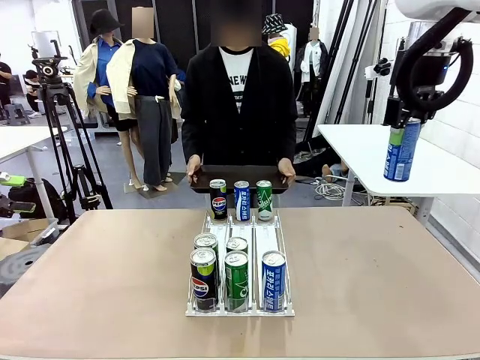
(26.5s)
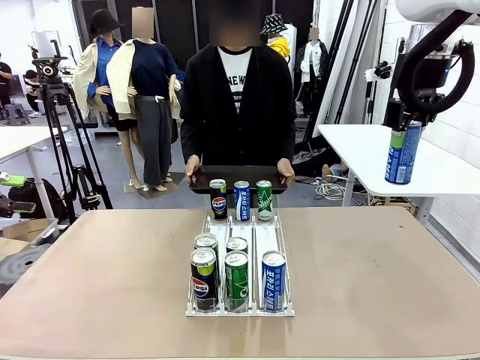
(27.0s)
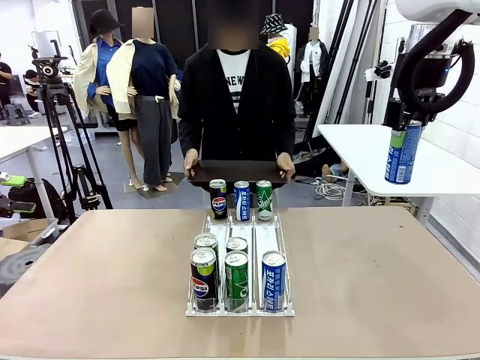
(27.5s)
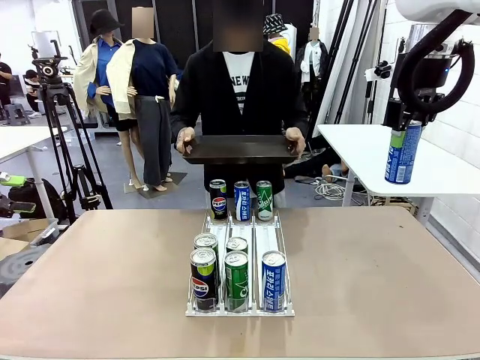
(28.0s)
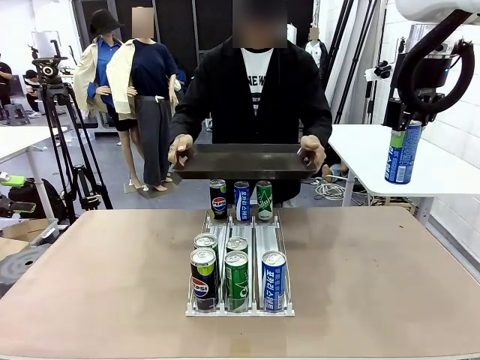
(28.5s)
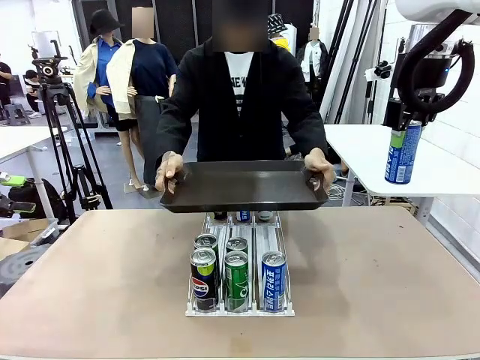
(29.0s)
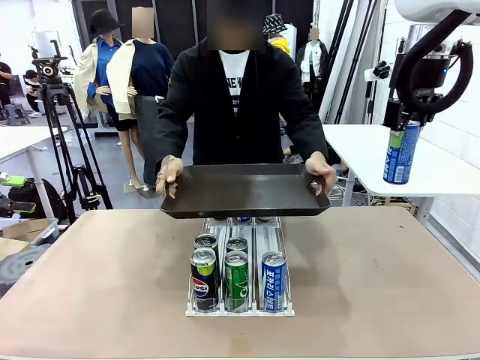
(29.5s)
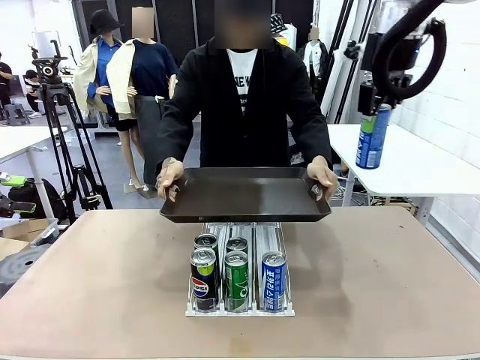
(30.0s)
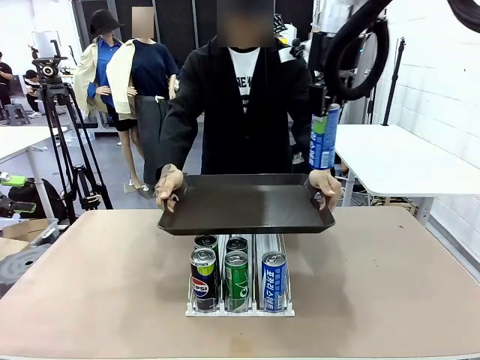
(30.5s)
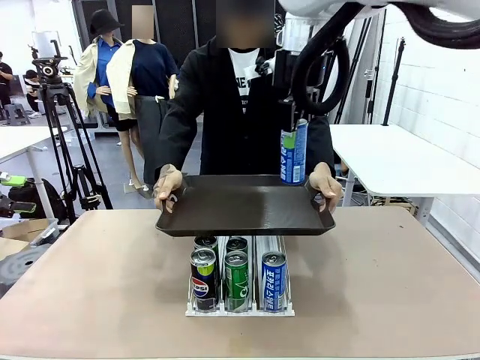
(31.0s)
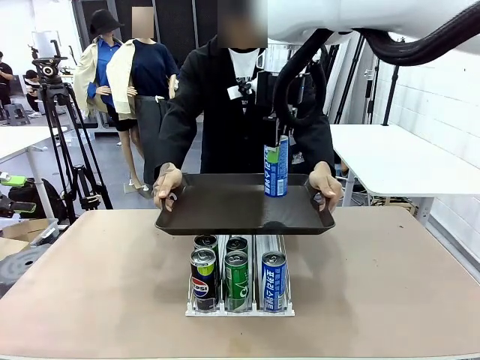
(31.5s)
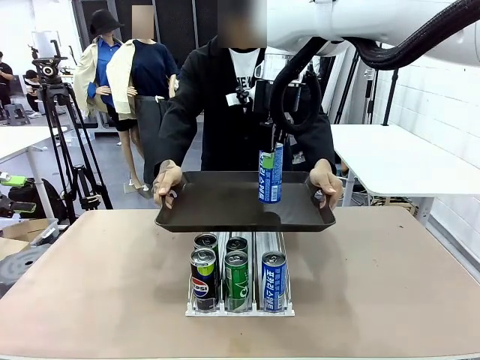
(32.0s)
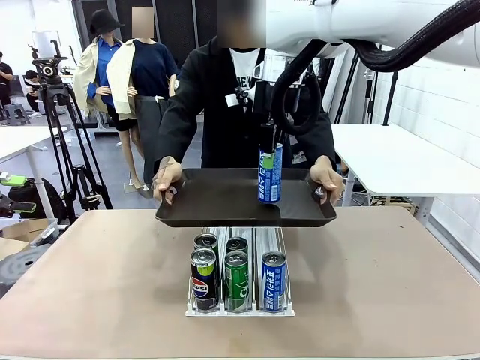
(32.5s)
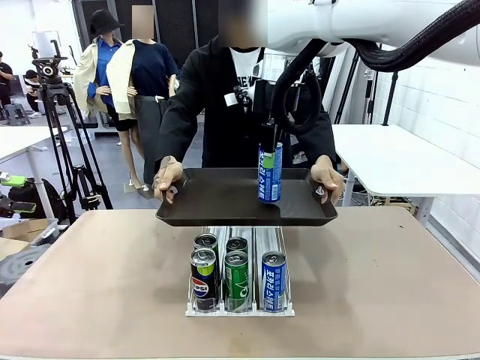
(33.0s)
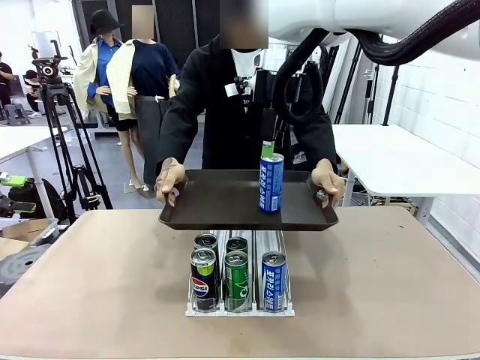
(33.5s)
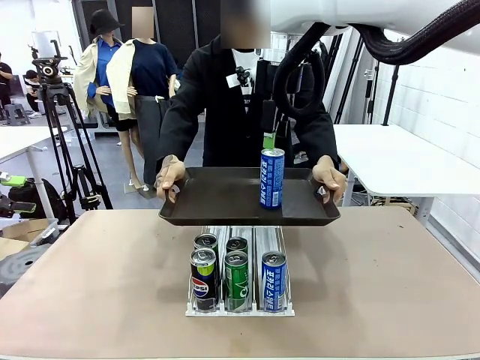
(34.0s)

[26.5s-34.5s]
Task: Retrieve and hand over the desired beverage to the person.
Robot: Place the picked can on the Handle tray extended by the person.

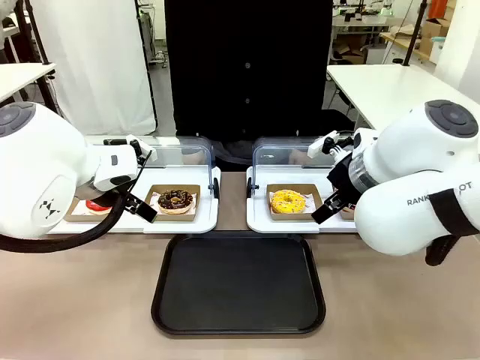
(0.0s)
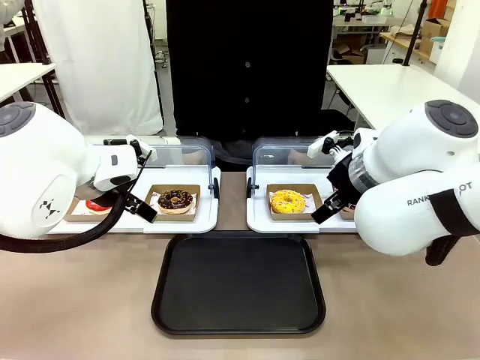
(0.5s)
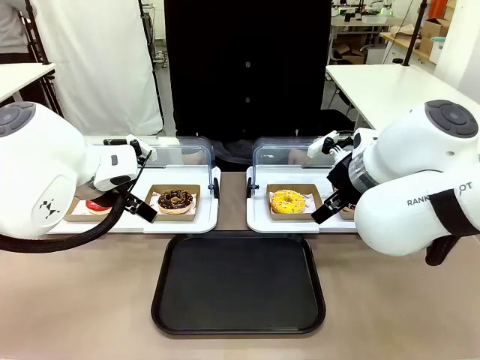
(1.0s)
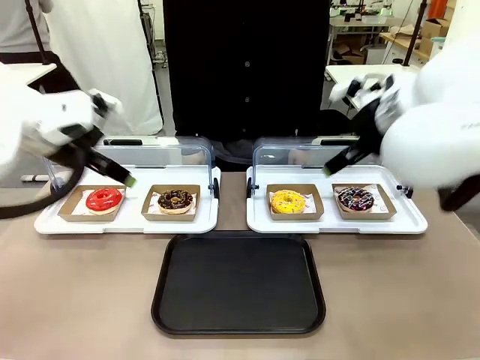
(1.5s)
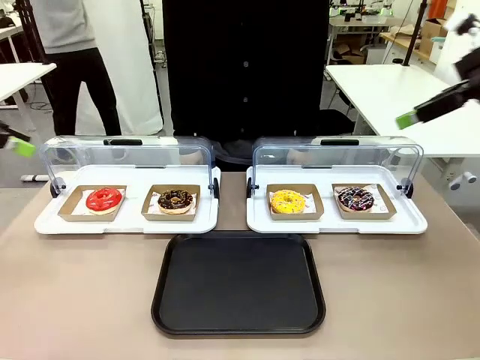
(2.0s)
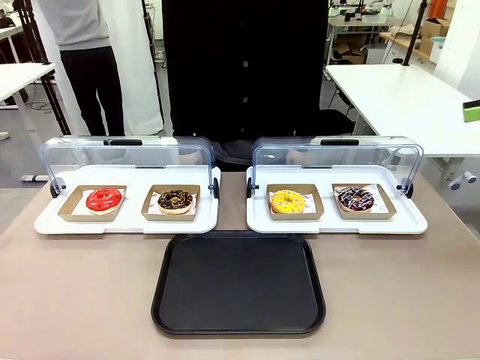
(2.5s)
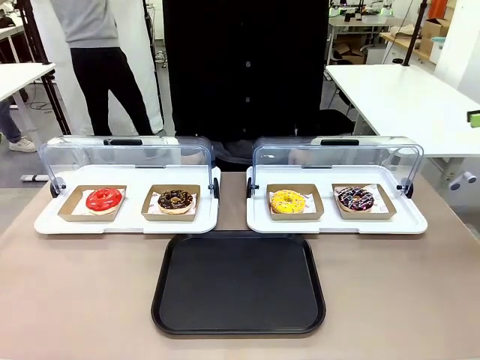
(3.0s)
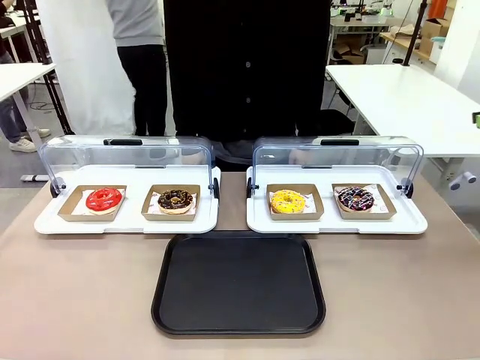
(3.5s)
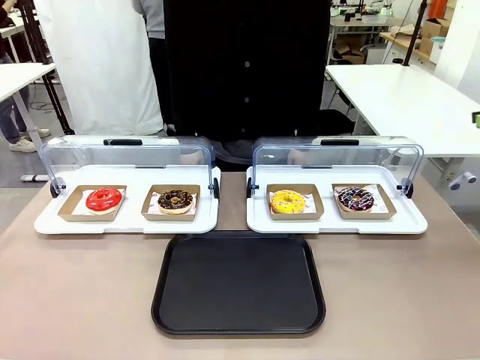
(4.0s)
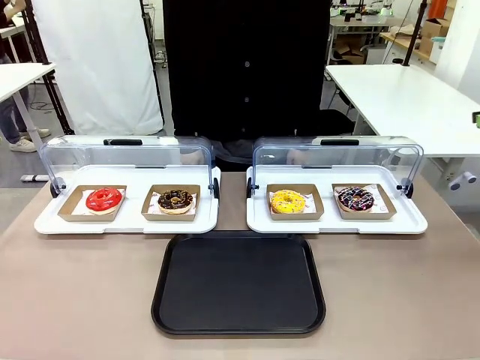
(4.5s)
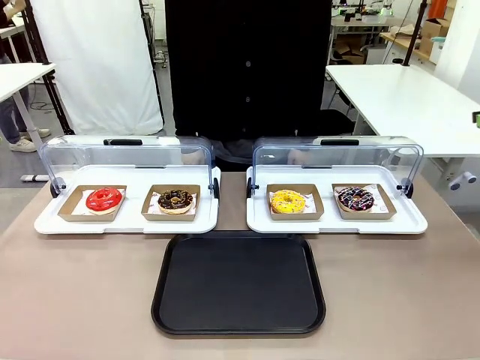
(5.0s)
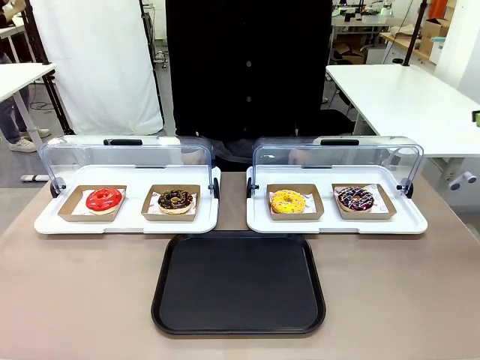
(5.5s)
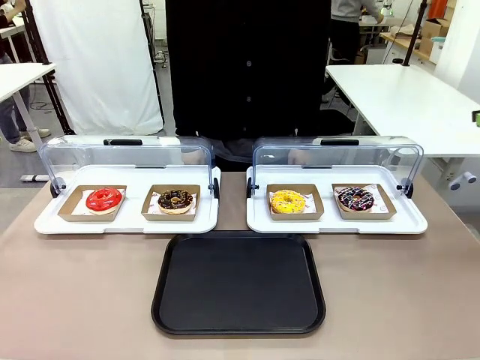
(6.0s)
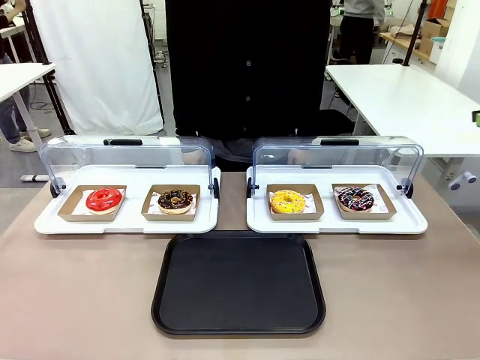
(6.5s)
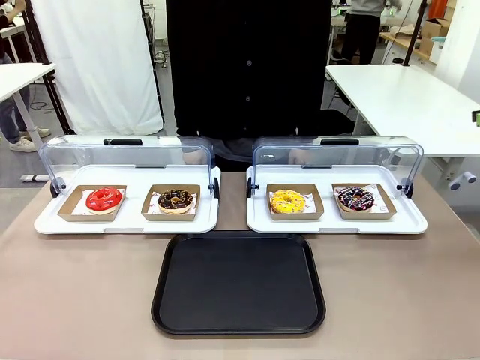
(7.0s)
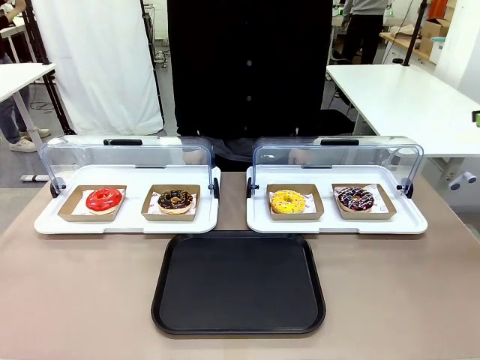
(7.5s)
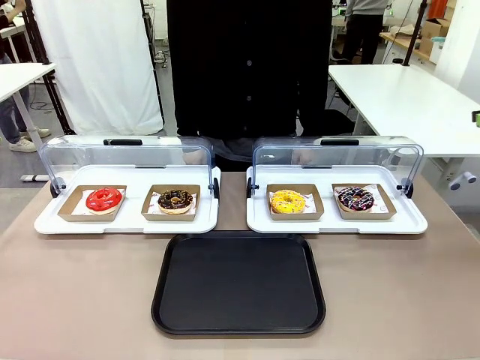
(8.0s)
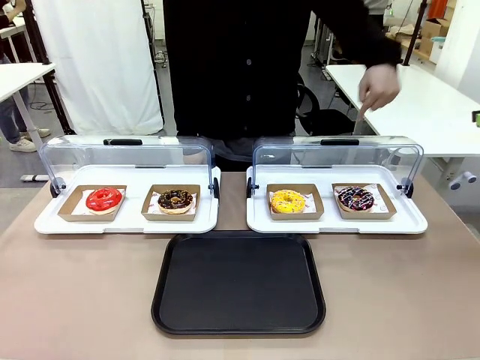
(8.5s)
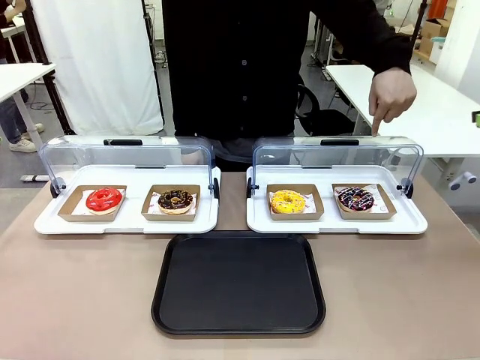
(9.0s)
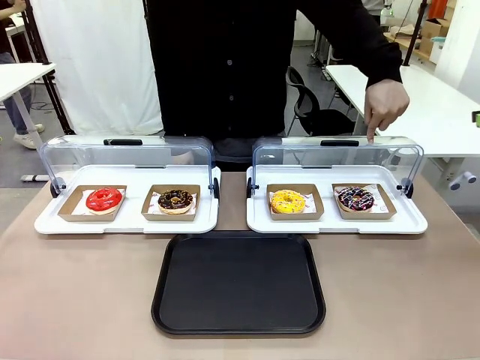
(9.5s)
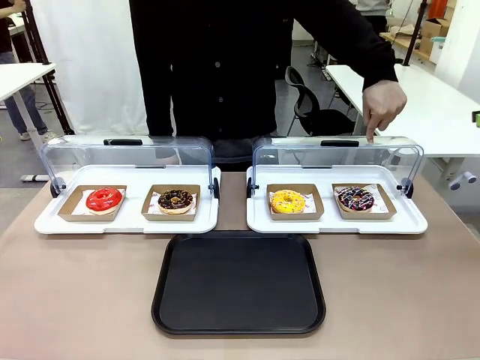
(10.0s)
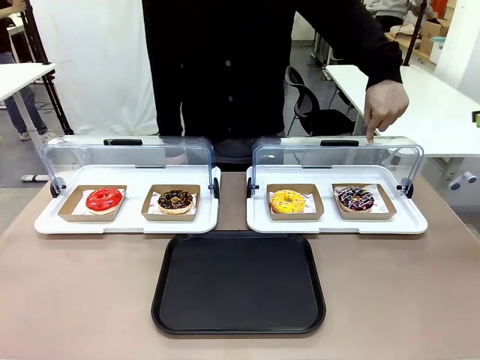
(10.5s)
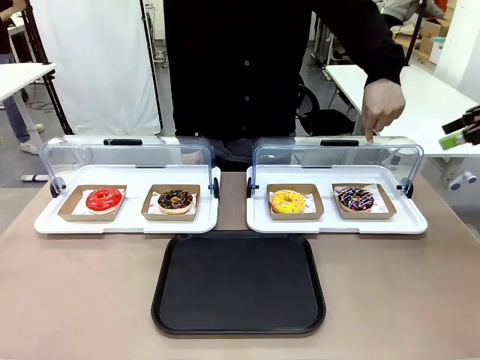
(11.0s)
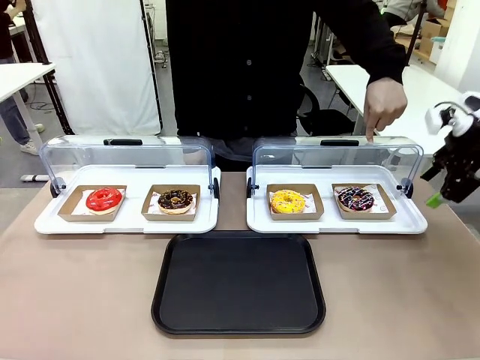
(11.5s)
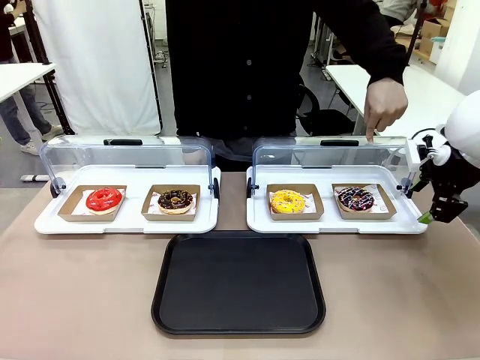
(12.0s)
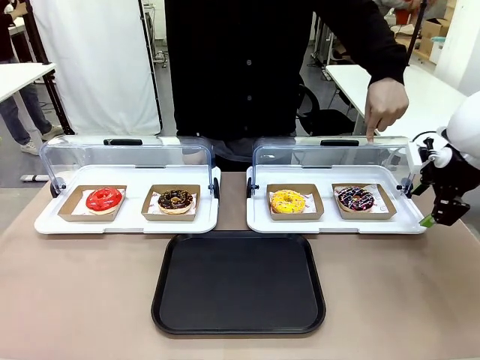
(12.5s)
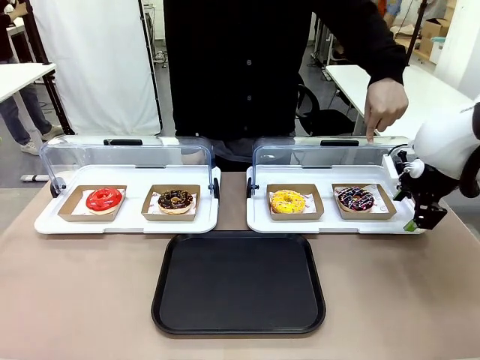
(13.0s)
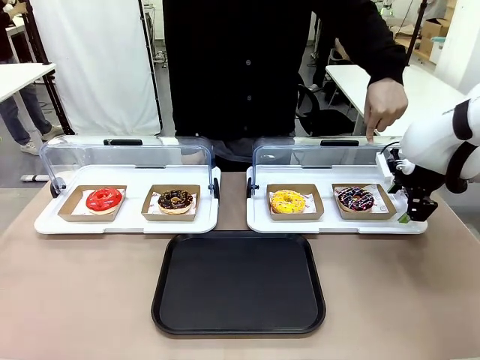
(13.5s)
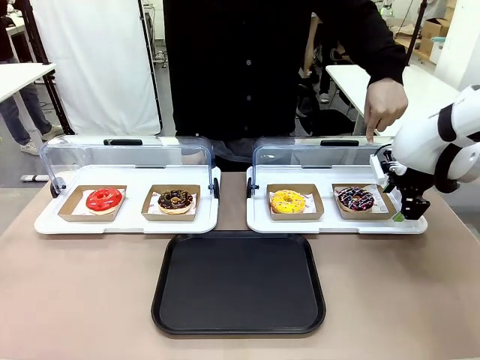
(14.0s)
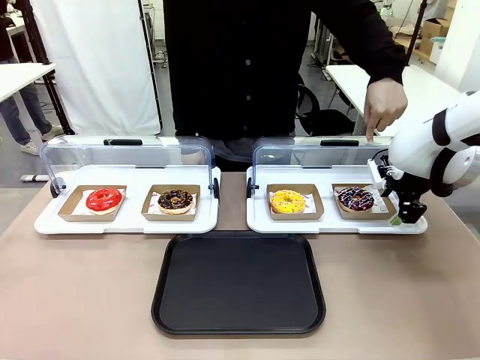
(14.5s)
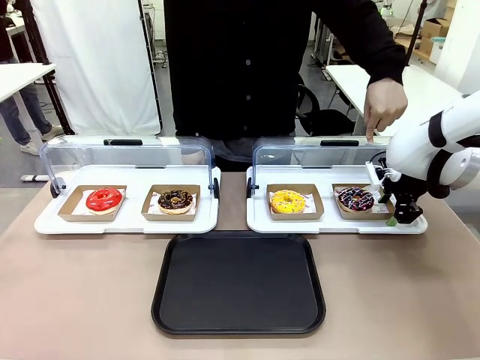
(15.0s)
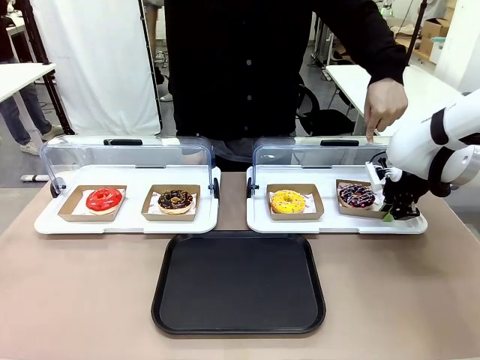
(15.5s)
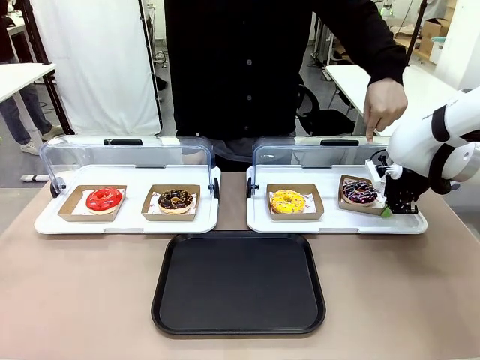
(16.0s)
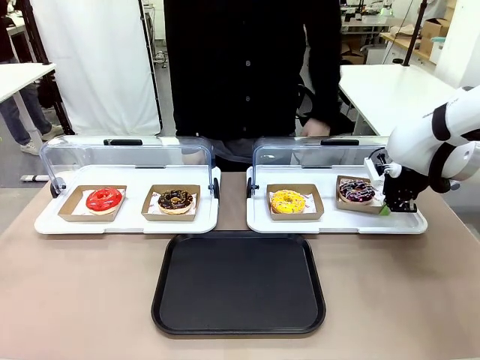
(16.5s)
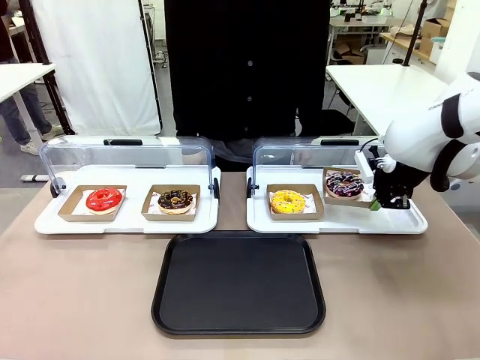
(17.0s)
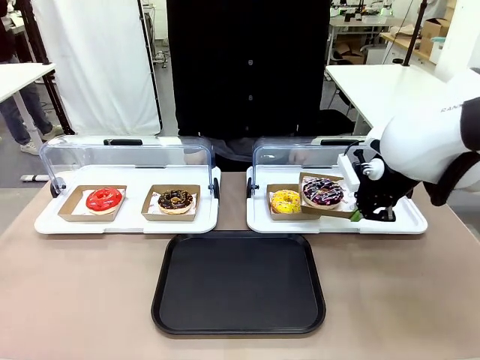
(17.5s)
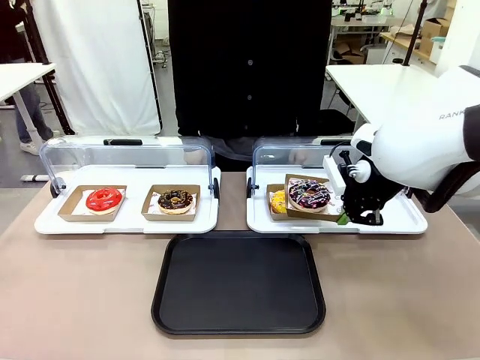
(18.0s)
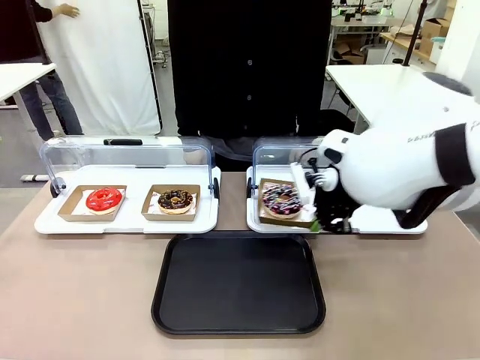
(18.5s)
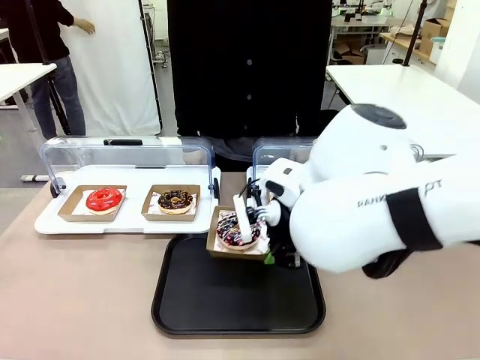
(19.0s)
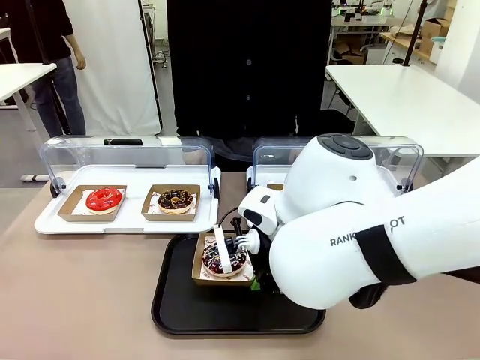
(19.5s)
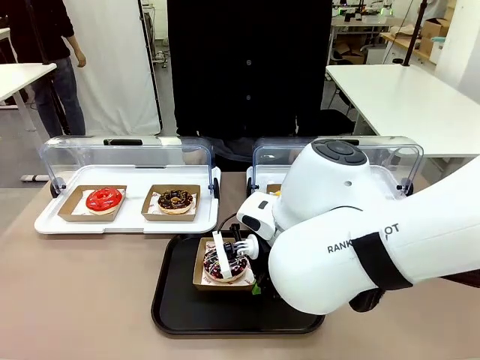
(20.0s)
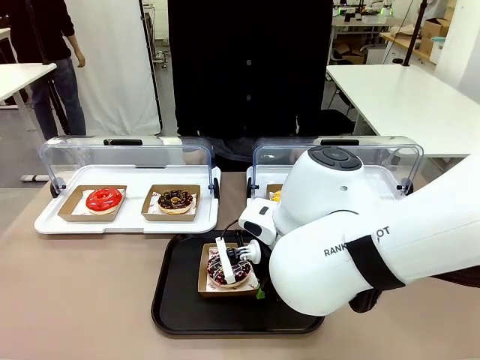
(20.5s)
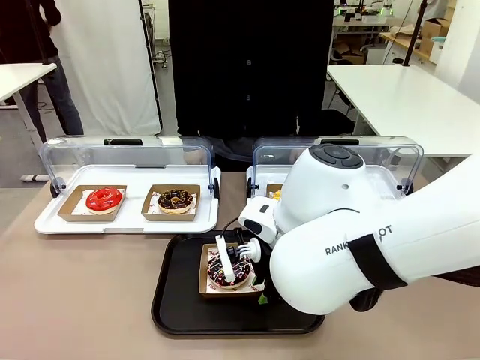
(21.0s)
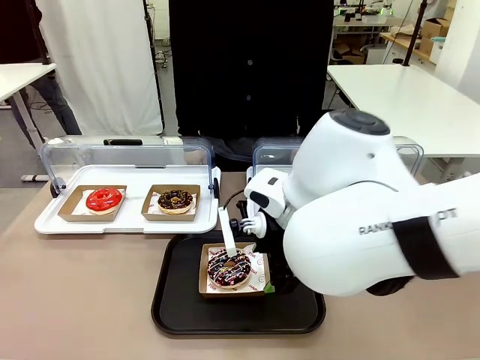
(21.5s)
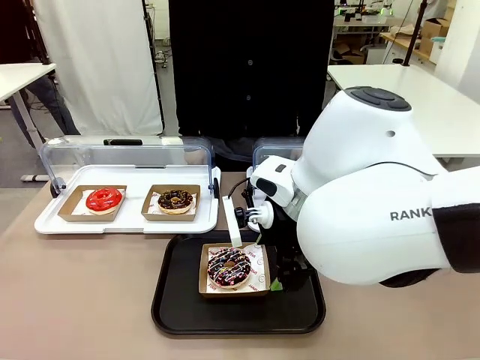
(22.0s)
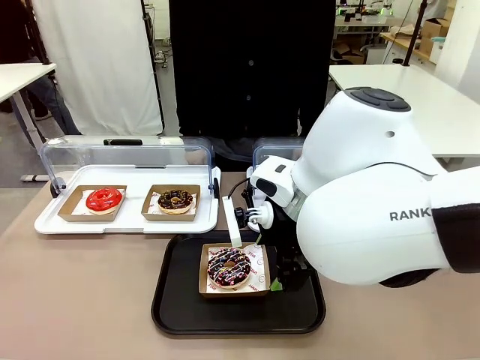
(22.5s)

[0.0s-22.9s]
Task: Move the fourth donut from the left to the tray.
Robot: Pick up the Paper togo box containing the Donut indicated by the person and place it on the Handle tray.
Person: Points to the fourth donut from the left from the robot’s perspective.
